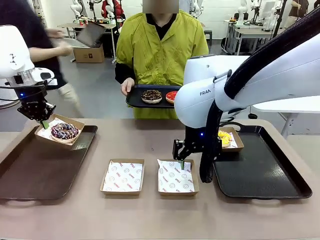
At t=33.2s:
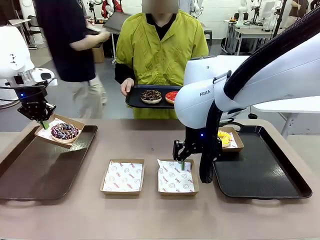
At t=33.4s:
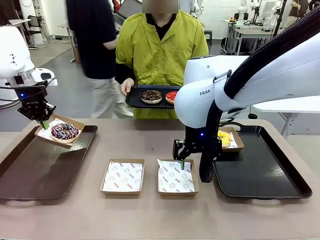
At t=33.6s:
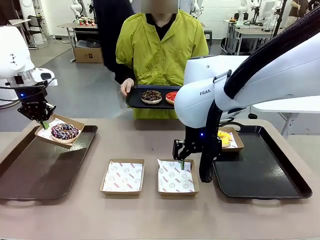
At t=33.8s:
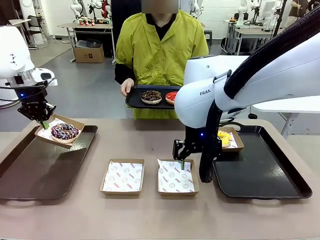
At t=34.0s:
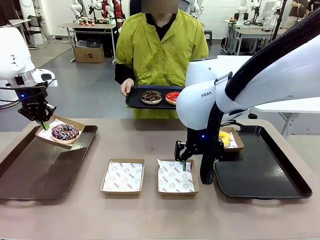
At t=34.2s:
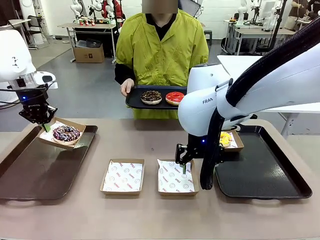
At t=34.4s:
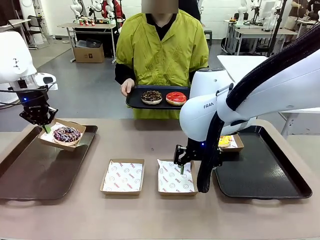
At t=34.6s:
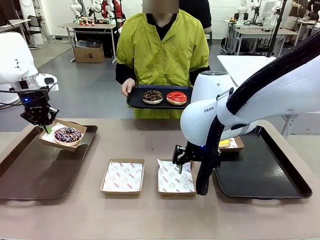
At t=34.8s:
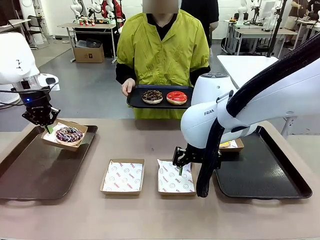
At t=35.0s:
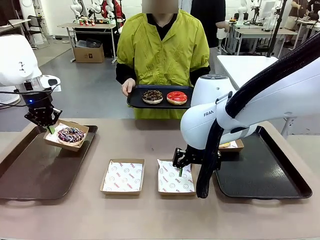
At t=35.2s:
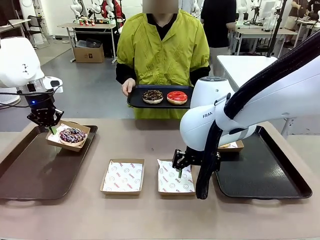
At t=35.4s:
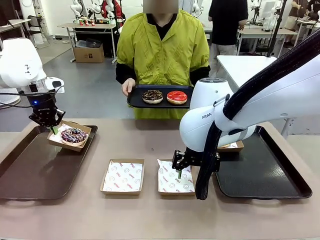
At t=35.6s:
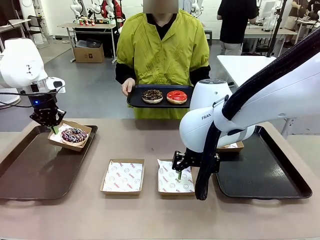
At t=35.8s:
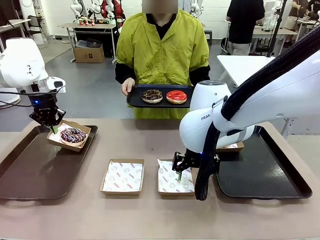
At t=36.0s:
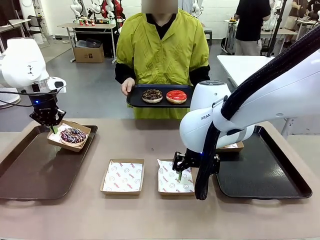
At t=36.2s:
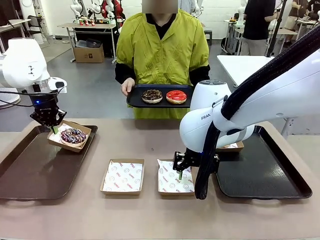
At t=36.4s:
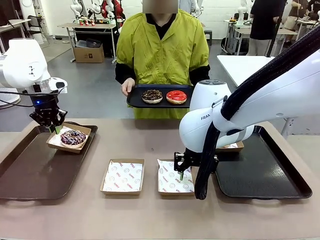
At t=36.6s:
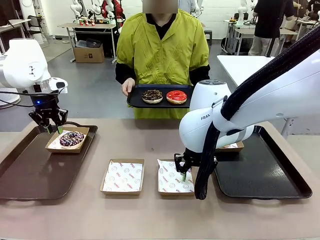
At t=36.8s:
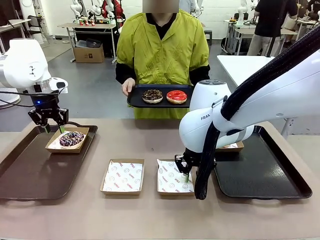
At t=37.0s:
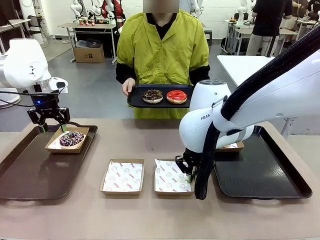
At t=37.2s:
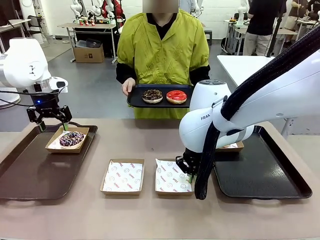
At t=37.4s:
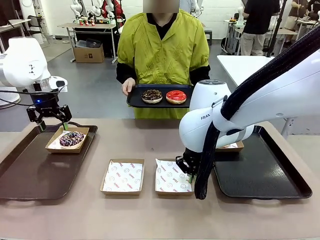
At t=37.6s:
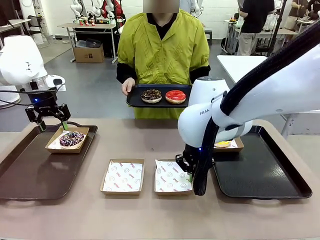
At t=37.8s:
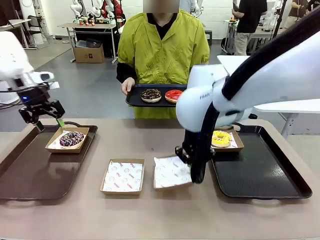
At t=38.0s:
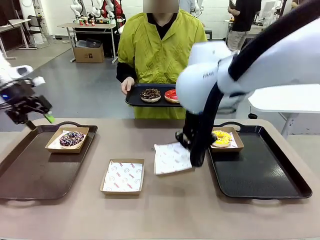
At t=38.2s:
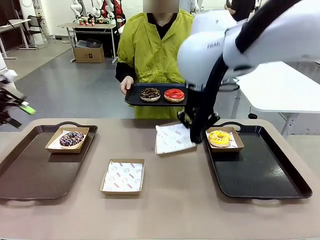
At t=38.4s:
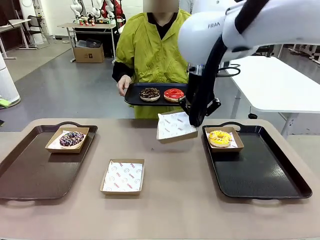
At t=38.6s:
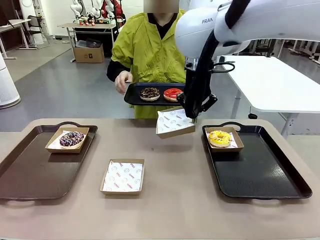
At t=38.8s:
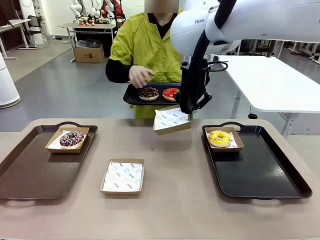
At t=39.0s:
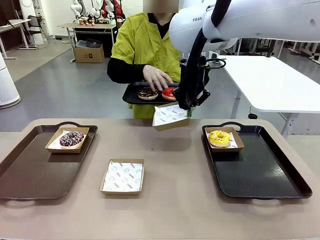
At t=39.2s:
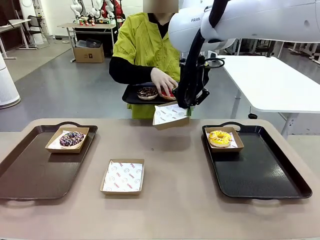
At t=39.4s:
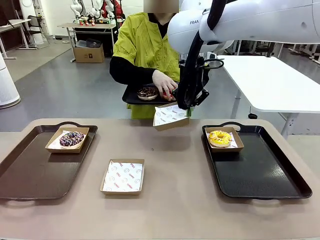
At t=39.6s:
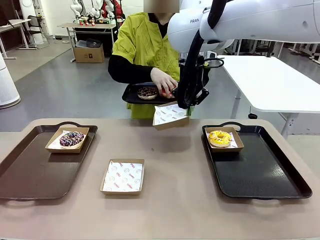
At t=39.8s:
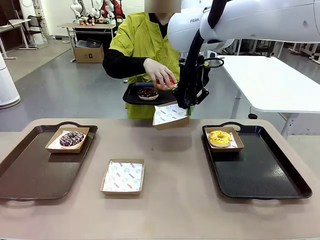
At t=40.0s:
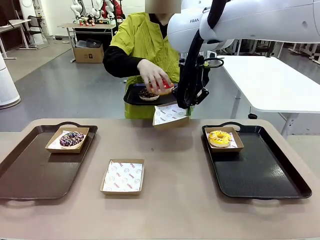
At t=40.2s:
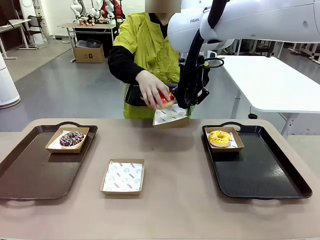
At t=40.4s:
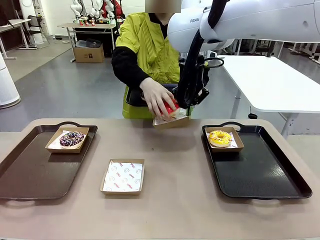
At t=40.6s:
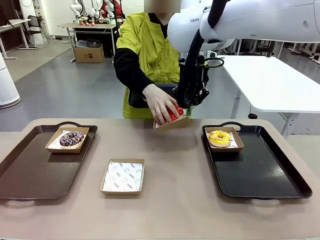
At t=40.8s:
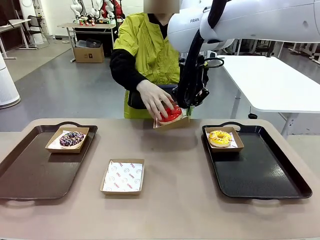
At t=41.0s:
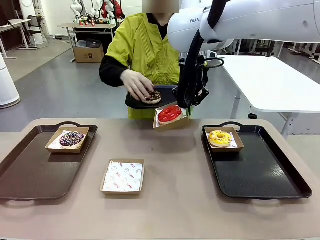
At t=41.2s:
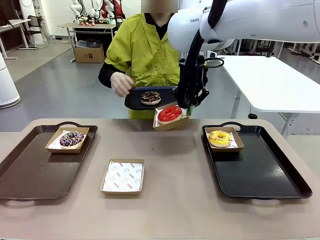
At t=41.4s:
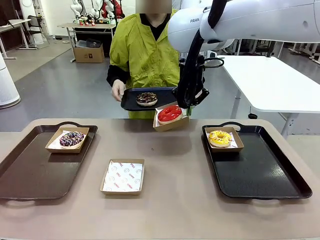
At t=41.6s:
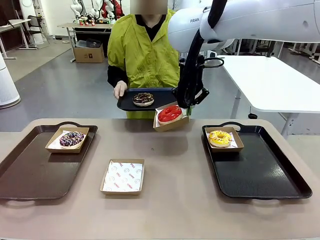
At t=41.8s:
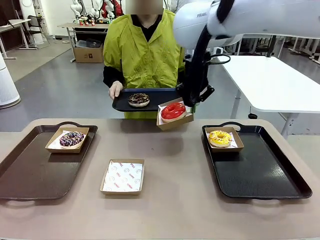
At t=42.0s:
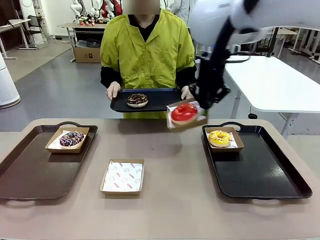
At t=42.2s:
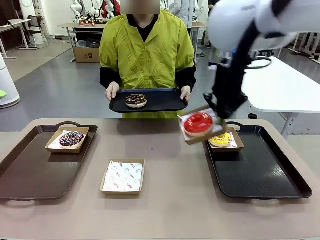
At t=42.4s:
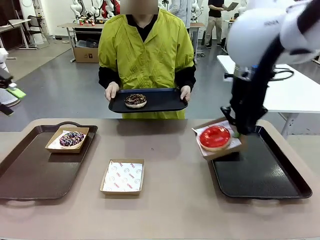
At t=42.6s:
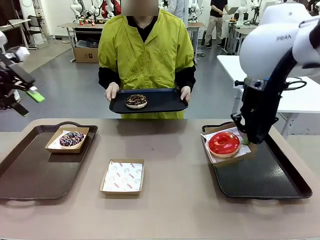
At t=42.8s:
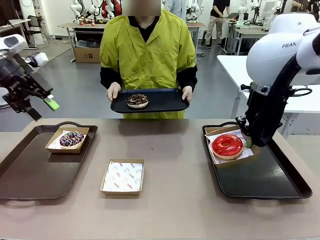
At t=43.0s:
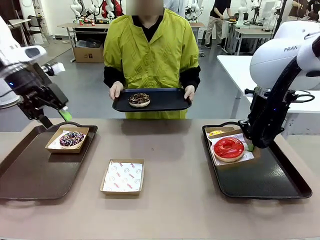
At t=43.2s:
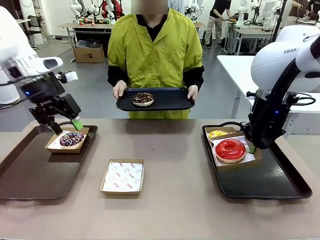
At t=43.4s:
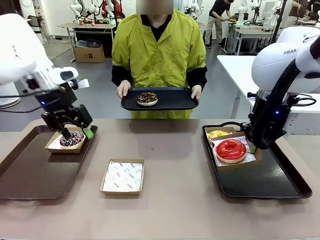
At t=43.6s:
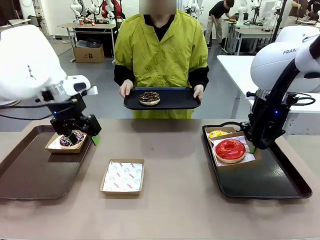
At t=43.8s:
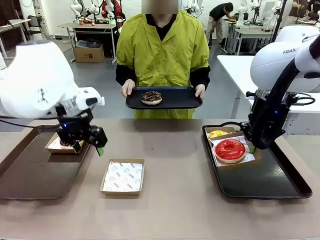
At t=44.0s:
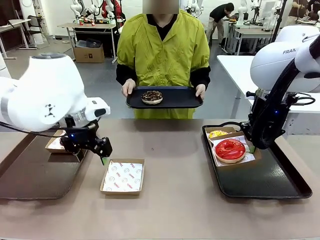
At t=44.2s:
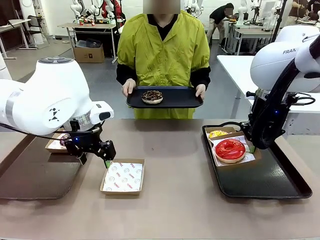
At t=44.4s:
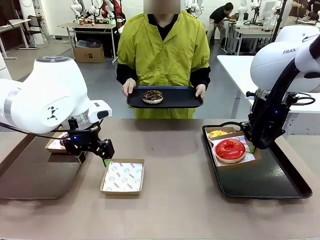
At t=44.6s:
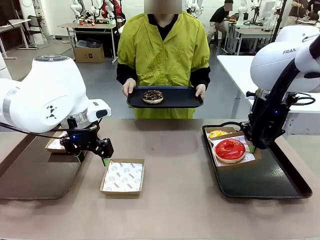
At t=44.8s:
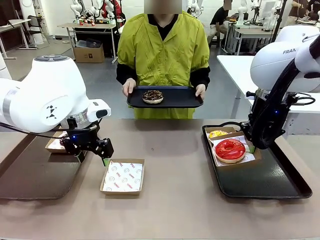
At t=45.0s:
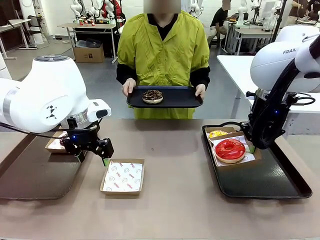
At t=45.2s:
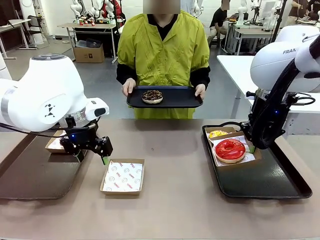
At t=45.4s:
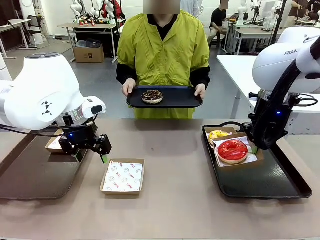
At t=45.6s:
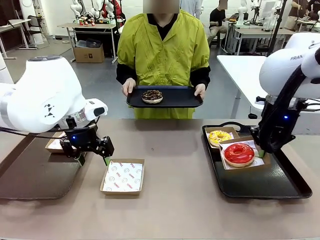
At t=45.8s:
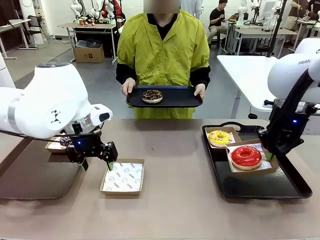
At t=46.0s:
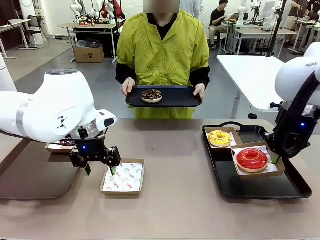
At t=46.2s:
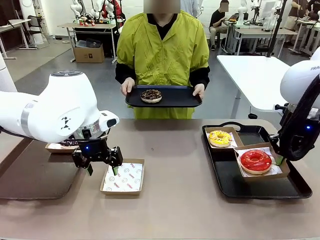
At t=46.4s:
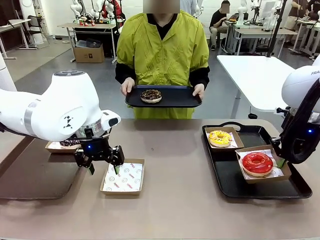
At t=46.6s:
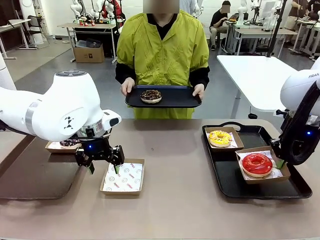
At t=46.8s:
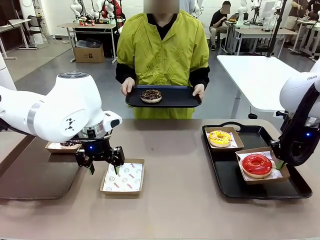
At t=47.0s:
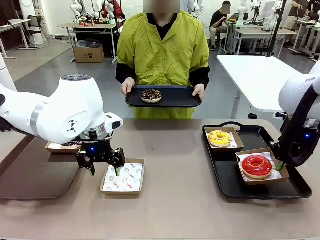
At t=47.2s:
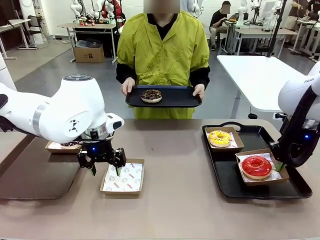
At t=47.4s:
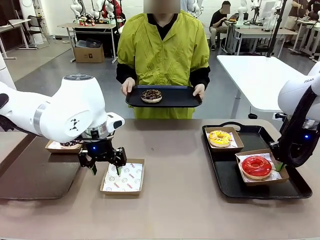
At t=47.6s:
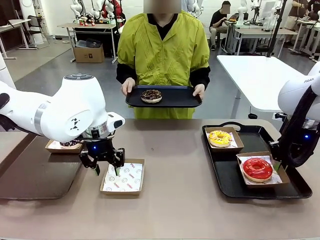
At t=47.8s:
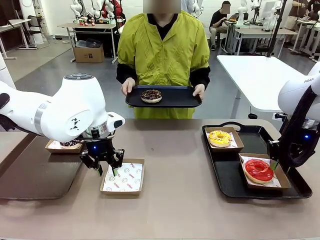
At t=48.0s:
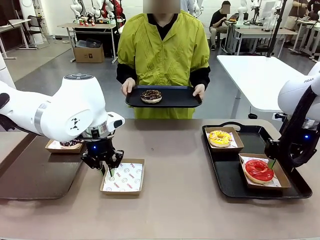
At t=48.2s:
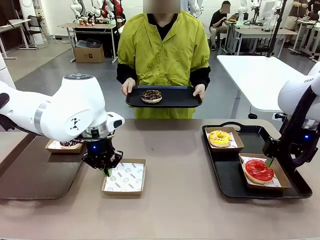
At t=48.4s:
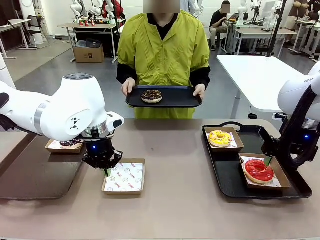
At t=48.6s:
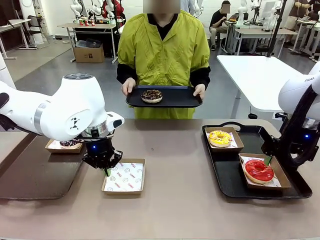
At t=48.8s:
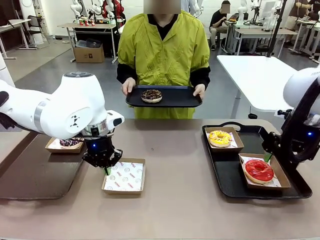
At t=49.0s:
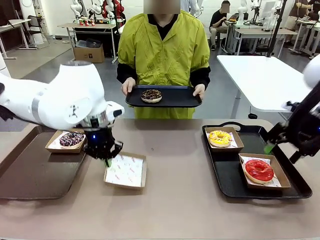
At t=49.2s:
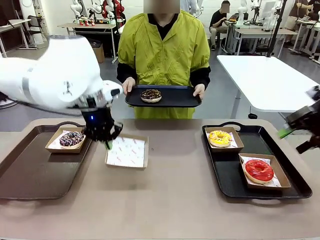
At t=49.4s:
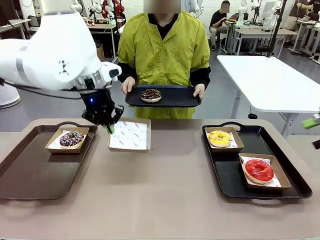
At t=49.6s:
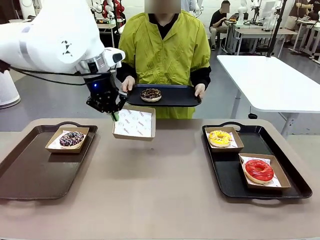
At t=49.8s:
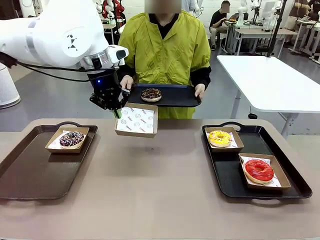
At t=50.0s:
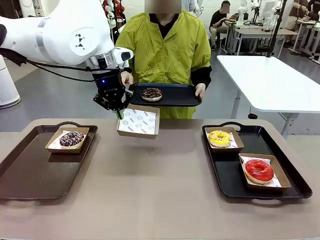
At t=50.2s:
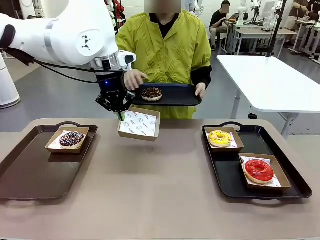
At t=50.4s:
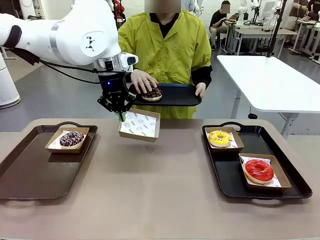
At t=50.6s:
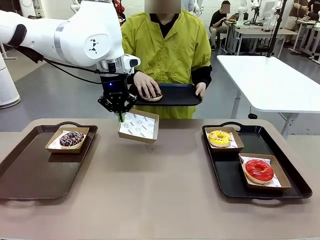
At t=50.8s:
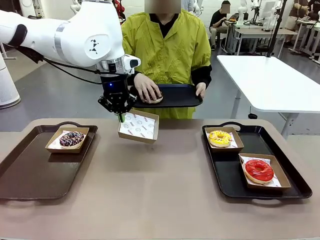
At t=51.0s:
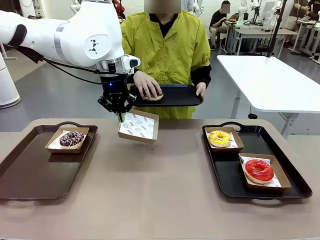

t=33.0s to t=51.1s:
Task: Individually package the donuts and arrange them on the tray.
Robot: Place the picked Paper togo box on the Handle tray while simultaneously picking up another Paper togo box from the table with the other hand.

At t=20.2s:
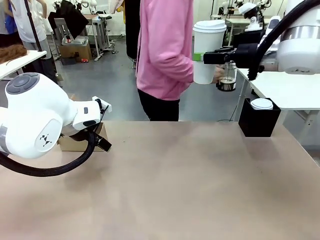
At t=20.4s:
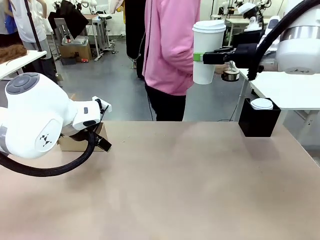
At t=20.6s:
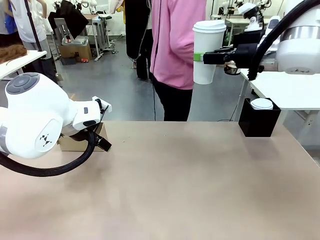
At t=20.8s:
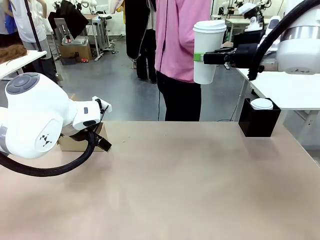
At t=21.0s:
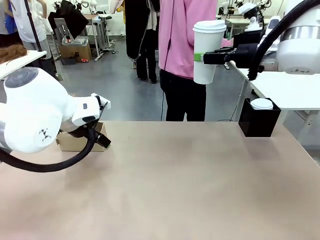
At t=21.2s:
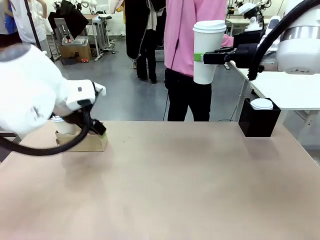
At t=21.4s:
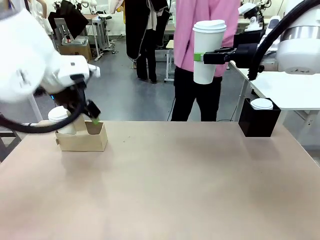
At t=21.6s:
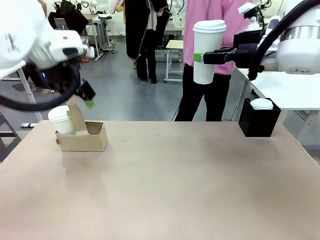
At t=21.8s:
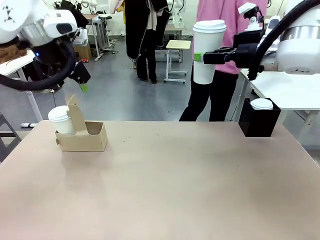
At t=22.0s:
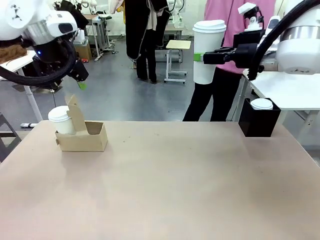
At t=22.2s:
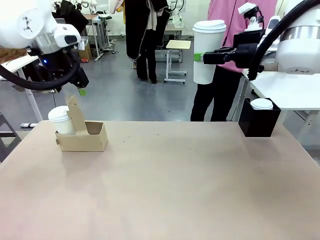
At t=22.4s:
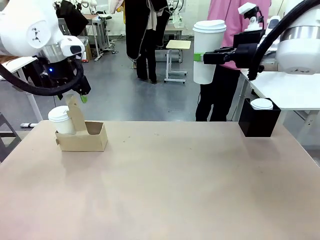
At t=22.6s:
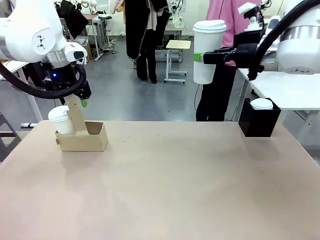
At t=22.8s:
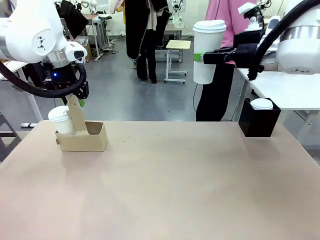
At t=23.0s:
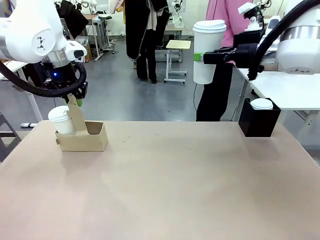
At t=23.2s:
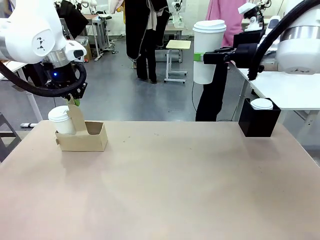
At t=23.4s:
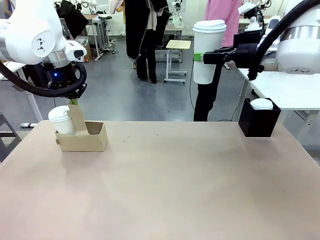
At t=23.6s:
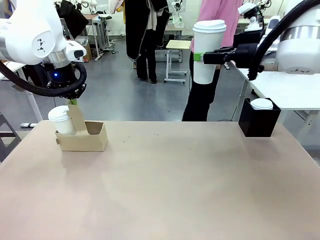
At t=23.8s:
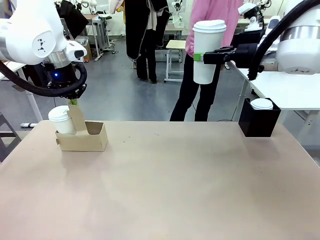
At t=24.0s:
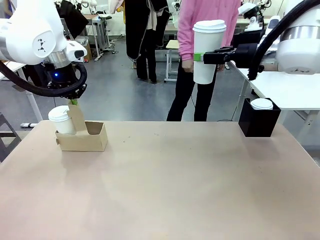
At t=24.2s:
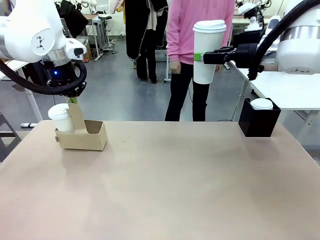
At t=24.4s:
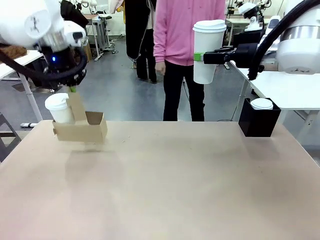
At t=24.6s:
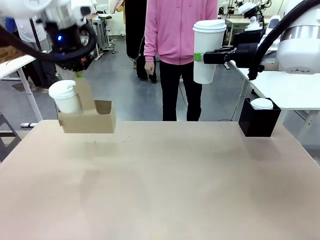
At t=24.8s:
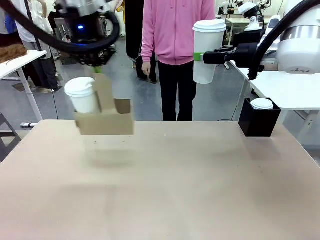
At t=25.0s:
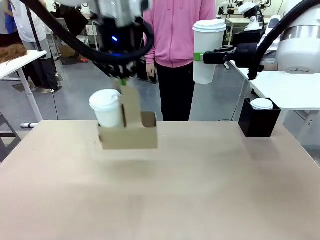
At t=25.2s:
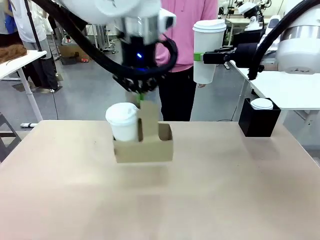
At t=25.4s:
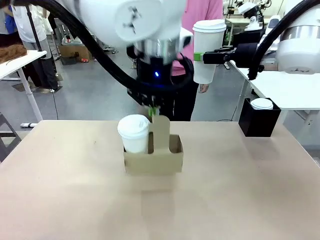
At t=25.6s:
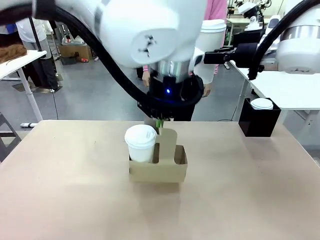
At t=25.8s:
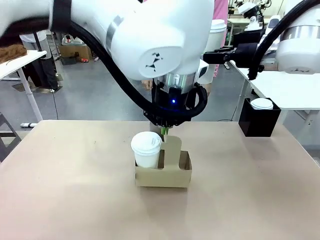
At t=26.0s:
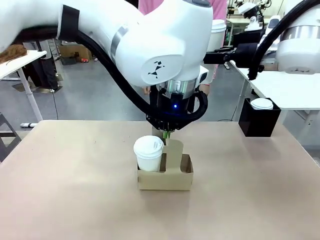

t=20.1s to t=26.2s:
Task: Pour a drink into a cup and package it in a carrier.
Robot: Position the Cup Carrier in the center of the table.
Person: Pick up the Filter Brewing and place on the middle of Human table, and return to the Robot table.
